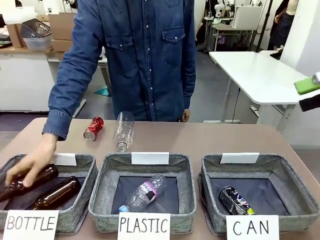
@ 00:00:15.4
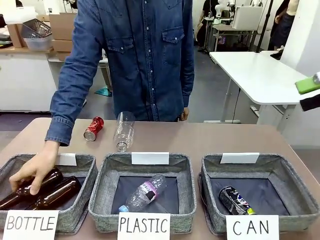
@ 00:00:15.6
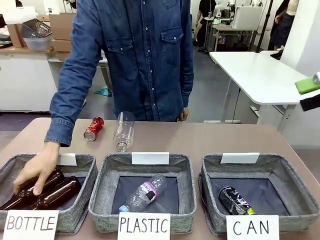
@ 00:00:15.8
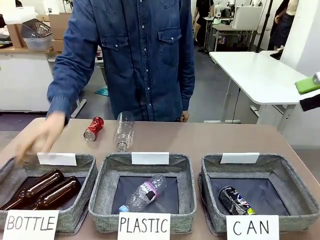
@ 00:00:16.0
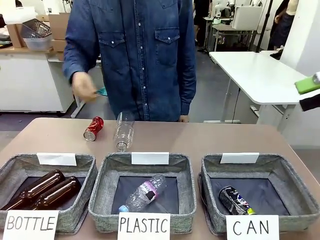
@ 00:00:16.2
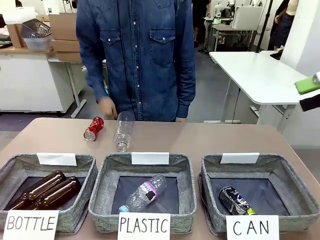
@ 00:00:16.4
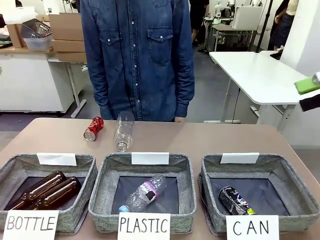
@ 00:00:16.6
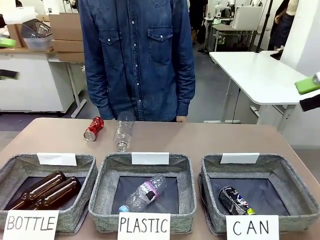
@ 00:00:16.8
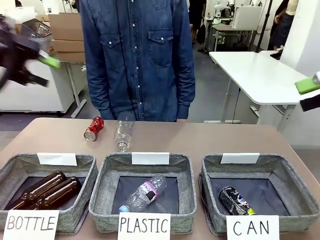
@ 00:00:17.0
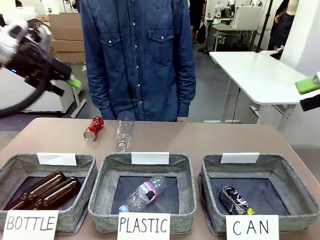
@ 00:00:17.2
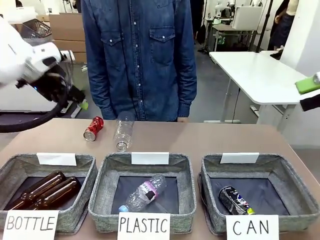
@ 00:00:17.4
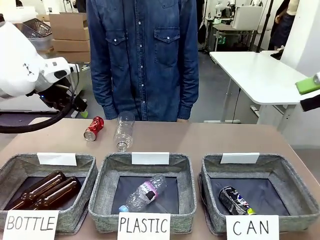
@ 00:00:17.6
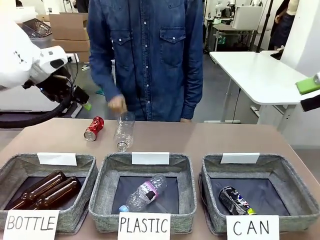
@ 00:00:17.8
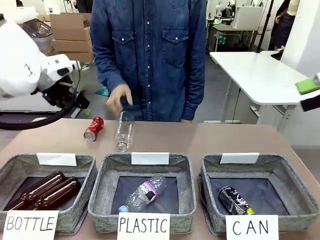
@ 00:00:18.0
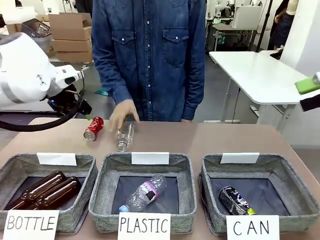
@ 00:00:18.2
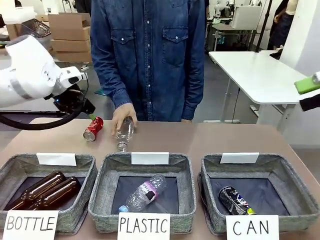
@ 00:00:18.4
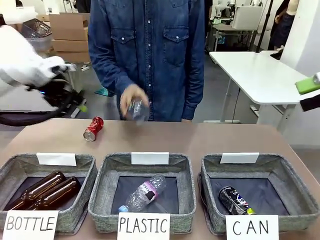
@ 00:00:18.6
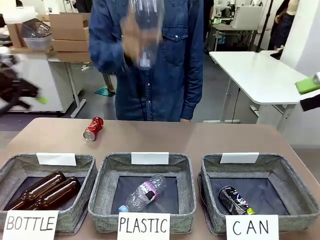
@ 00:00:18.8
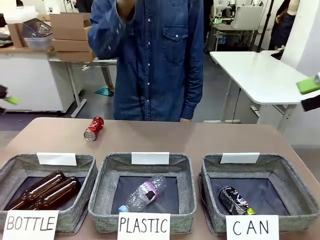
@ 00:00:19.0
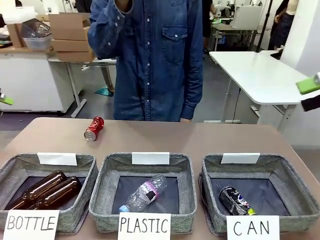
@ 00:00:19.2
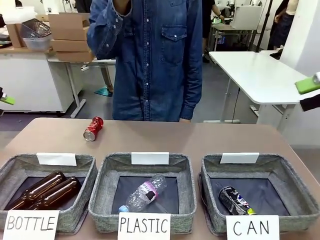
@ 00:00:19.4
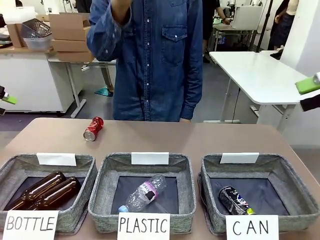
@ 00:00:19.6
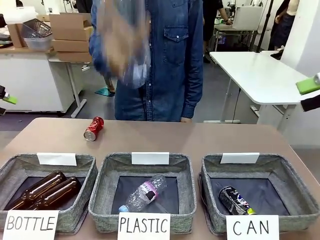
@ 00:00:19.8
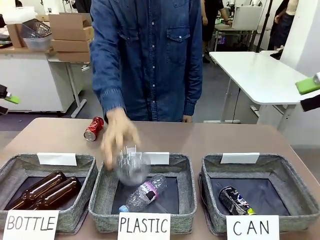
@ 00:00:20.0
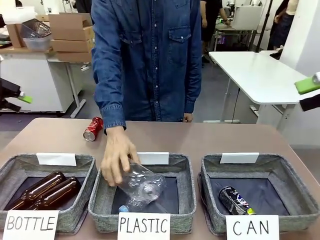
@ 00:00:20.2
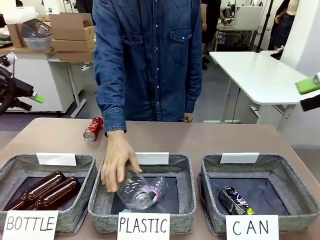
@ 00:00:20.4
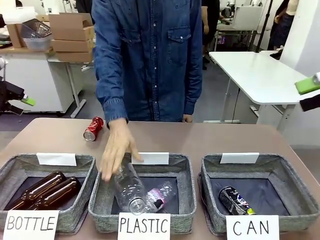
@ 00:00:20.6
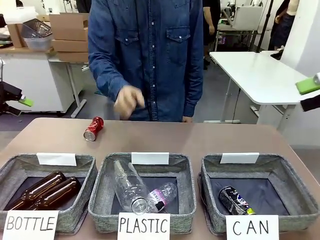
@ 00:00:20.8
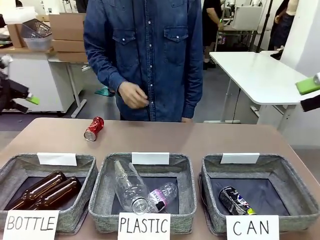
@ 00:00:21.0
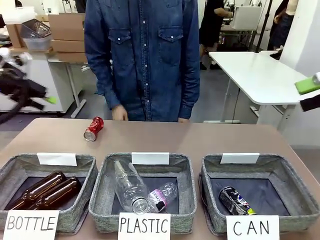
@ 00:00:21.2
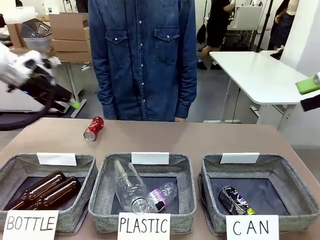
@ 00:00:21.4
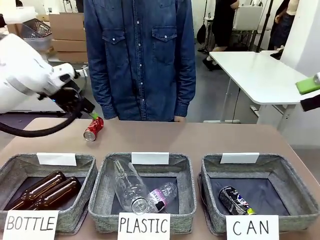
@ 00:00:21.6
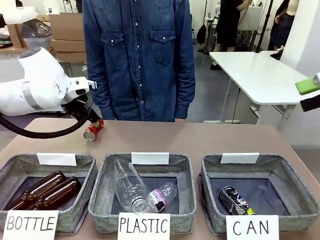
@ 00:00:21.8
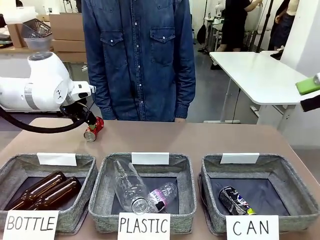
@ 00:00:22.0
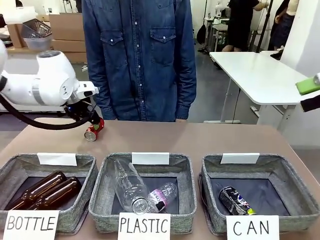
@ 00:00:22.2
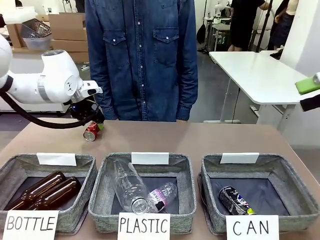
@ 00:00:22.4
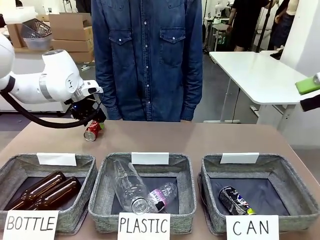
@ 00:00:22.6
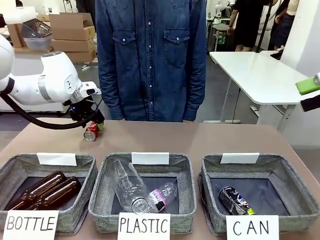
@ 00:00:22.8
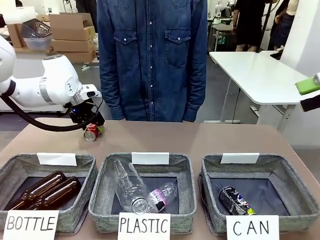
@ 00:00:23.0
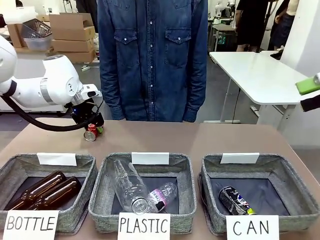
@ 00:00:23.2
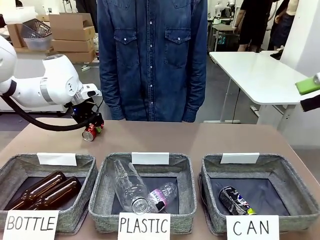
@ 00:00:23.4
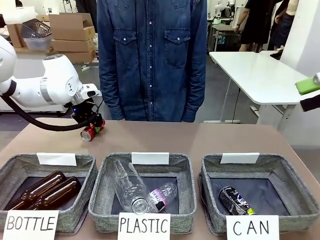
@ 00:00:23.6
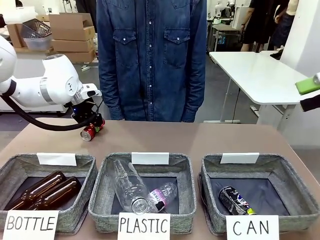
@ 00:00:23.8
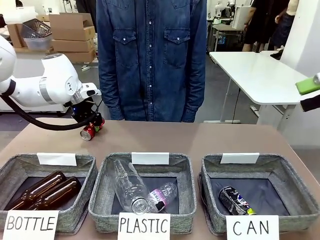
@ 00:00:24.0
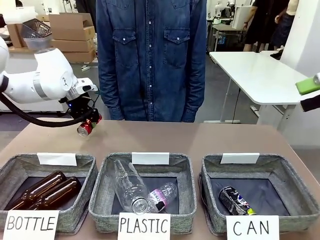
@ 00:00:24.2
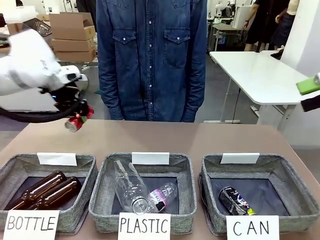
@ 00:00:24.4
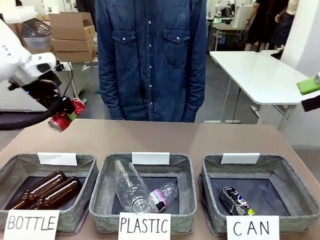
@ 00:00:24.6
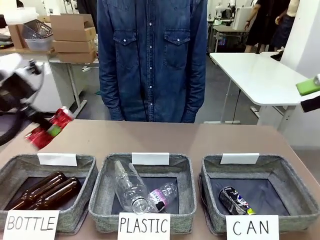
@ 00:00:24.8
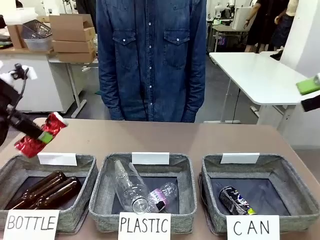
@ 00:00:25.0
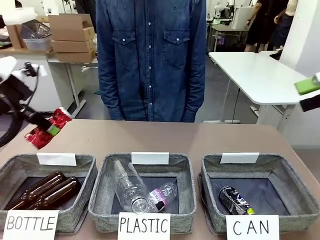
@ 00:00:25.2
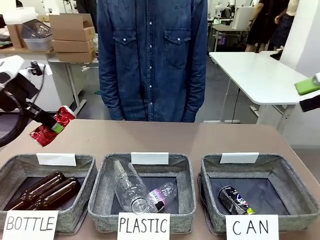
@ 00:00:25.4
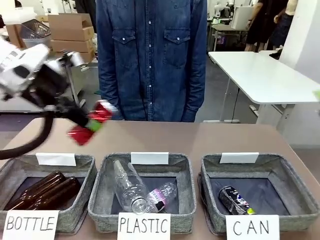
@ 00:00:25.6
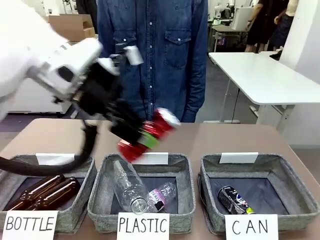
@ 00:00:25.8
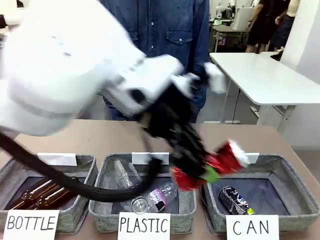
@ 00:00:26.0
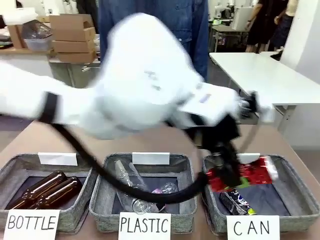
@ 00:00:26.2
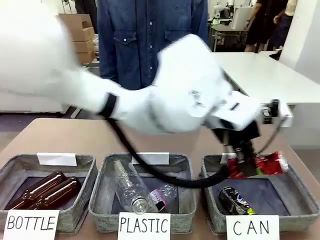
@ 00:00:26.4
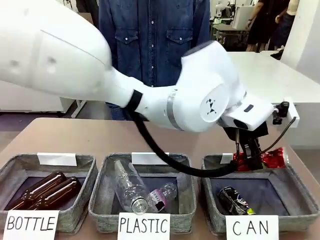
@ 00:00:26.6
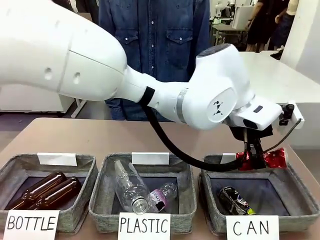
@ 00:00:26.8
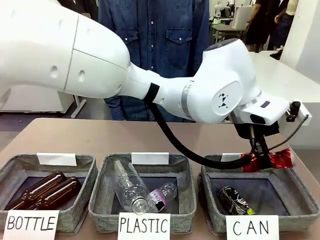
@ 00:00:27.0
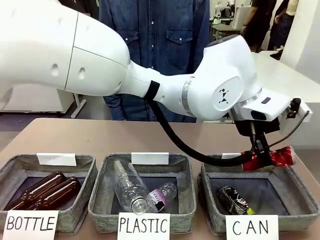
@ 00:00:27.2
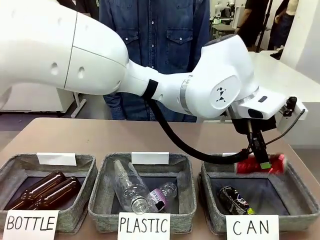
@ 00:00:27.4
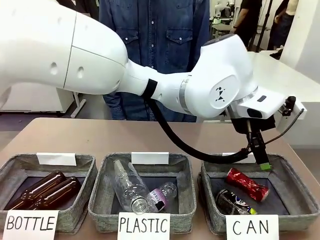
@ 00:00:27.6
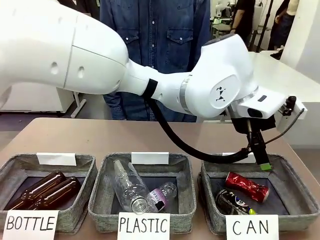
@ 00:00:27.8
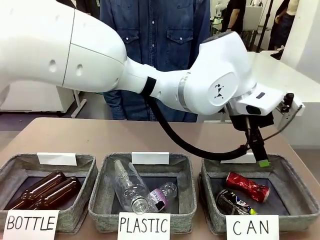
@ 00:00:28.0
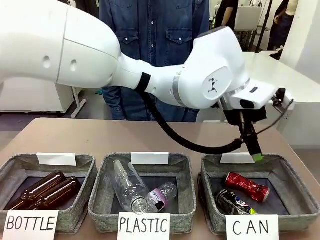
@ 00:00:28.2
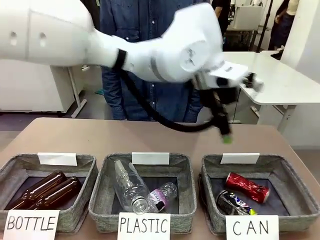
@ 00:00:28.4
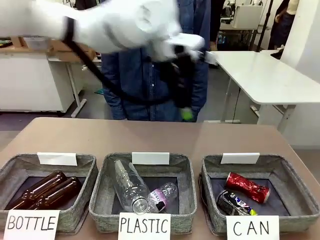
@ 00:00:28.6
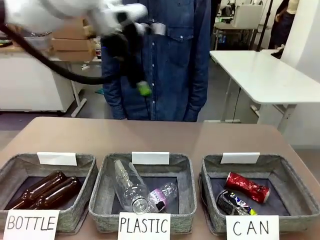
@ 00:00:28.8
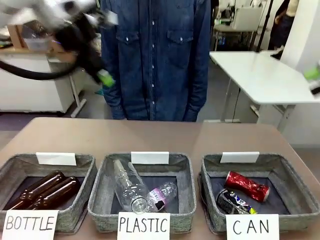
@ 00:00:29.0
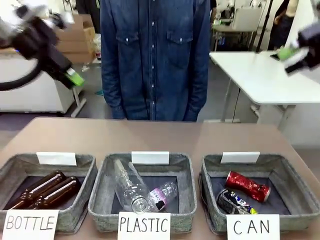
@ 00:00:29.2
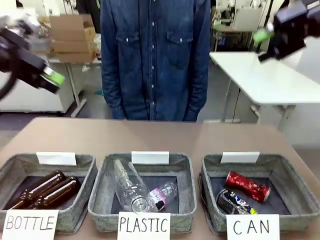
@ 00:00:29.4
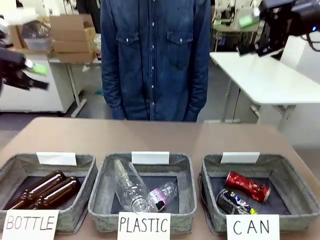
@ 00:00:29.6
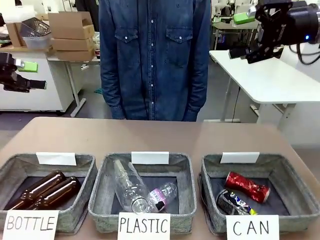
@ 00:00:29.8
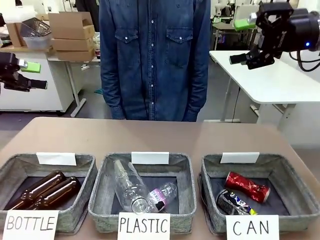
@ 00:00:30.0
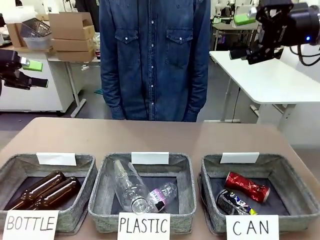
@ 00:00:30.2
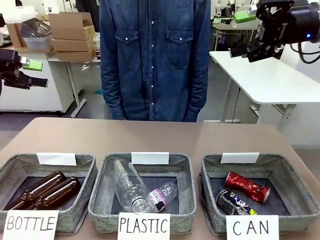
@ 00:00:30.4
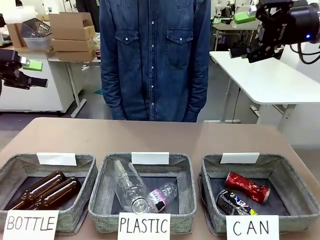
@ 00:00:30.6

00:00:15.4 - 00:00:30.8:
Task: Sort the can waste into the basket.
Robot: Pick up the can waste from the table and place it in the right Fabric basket.
